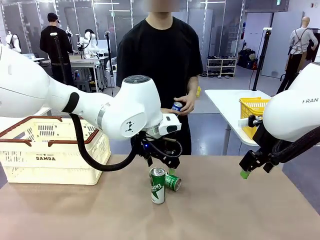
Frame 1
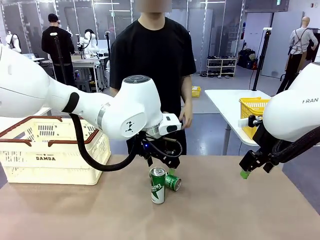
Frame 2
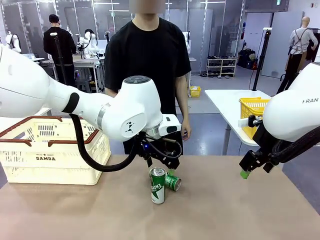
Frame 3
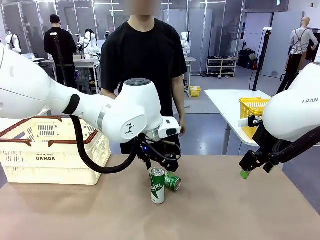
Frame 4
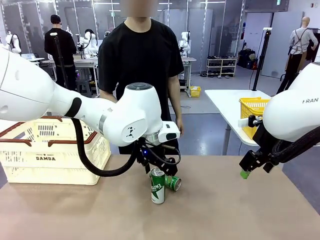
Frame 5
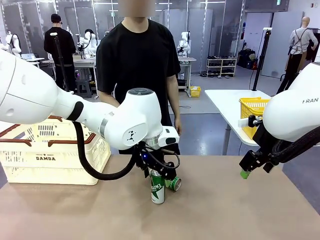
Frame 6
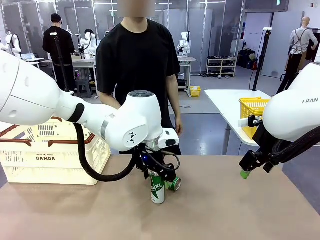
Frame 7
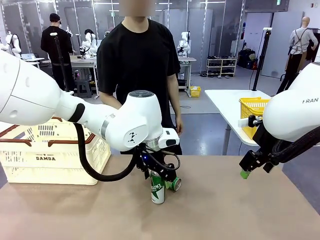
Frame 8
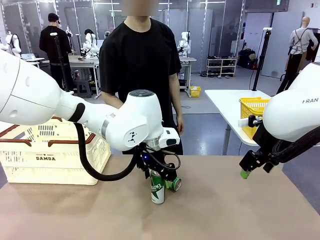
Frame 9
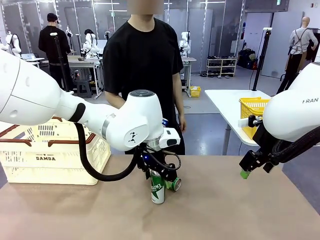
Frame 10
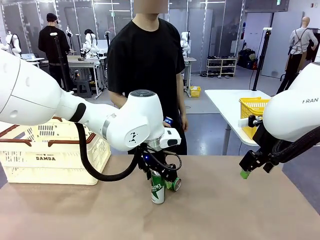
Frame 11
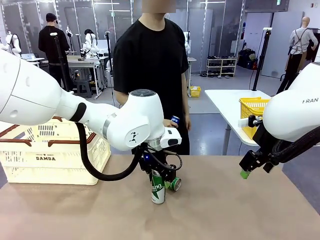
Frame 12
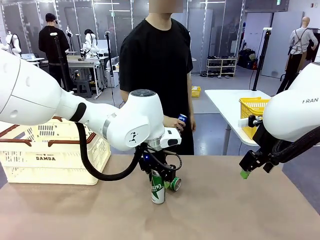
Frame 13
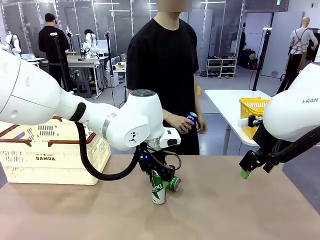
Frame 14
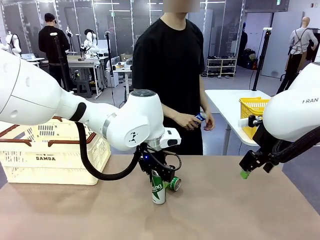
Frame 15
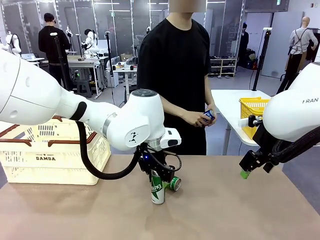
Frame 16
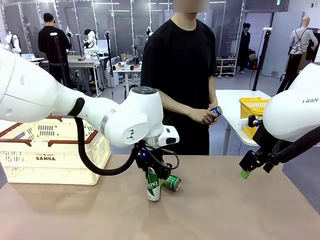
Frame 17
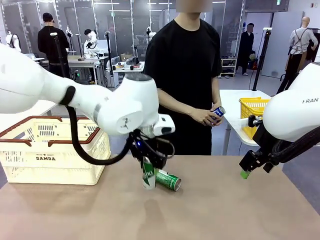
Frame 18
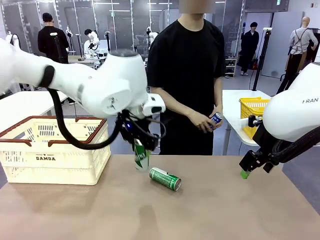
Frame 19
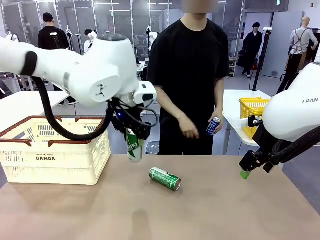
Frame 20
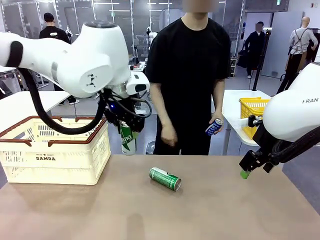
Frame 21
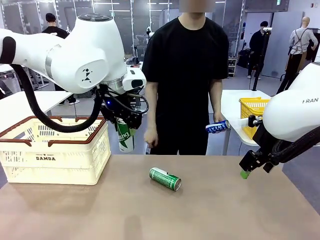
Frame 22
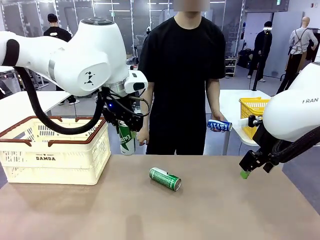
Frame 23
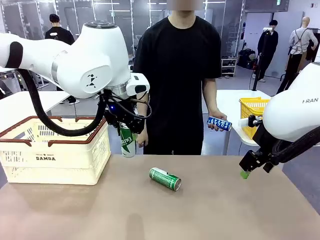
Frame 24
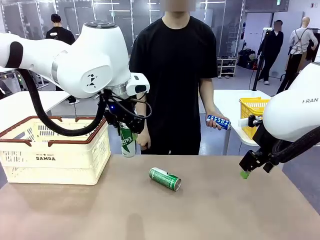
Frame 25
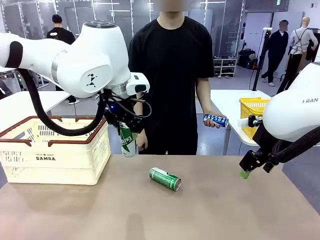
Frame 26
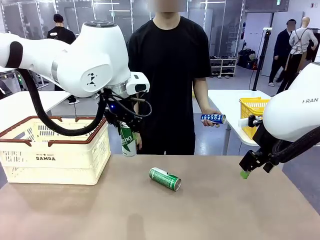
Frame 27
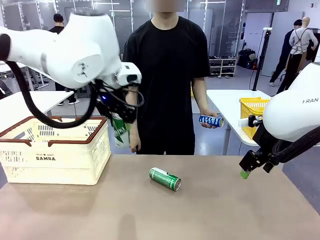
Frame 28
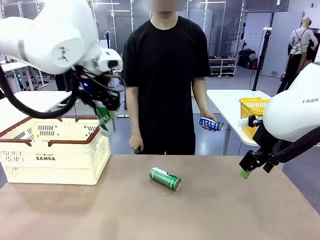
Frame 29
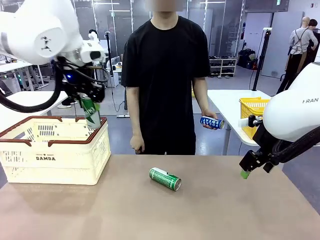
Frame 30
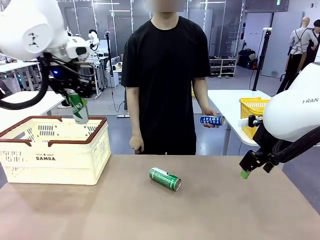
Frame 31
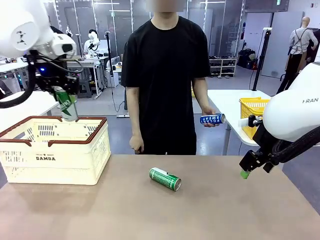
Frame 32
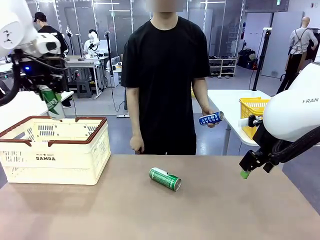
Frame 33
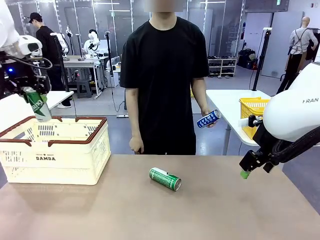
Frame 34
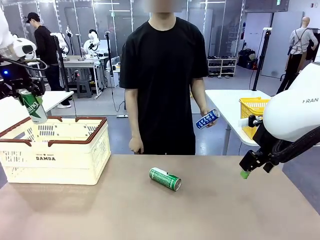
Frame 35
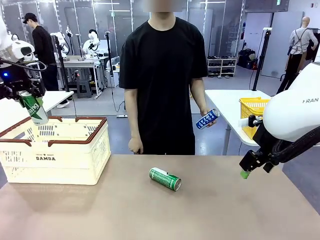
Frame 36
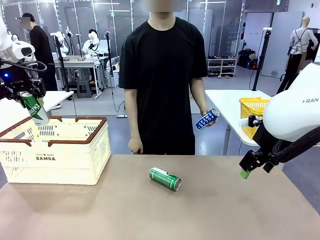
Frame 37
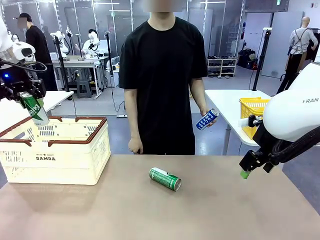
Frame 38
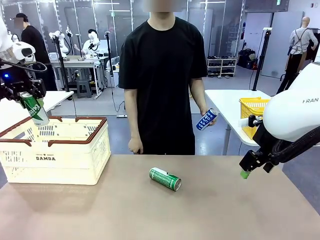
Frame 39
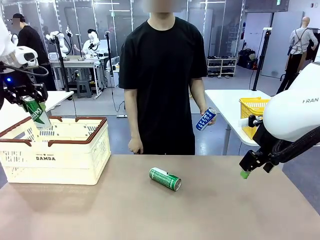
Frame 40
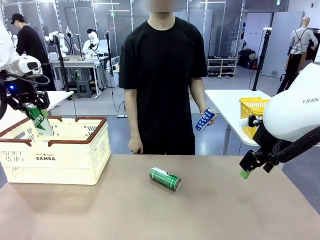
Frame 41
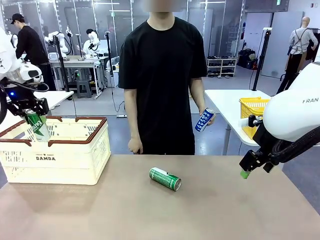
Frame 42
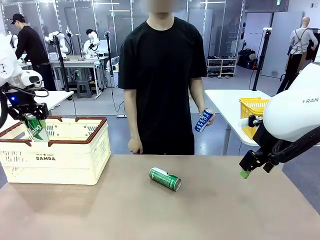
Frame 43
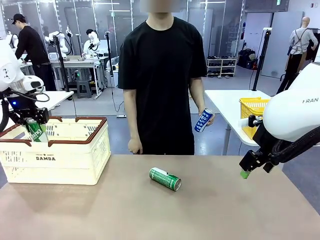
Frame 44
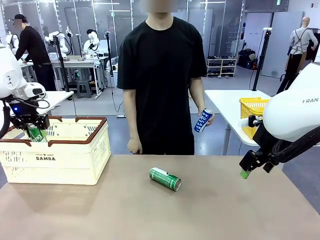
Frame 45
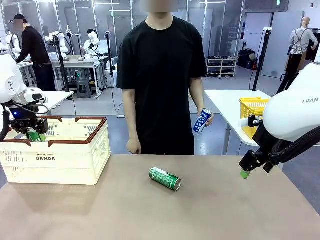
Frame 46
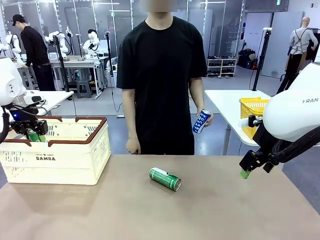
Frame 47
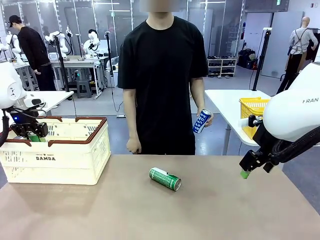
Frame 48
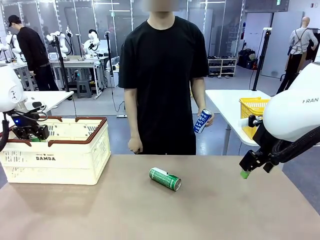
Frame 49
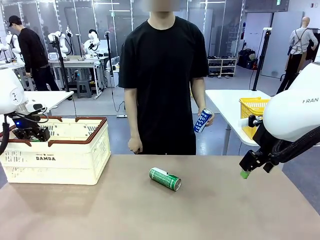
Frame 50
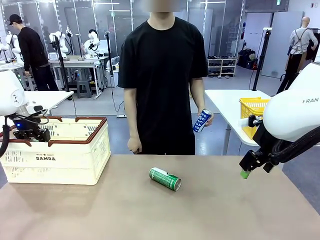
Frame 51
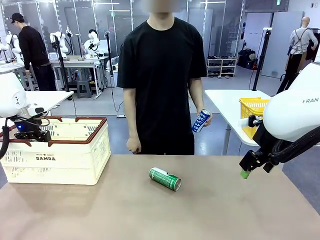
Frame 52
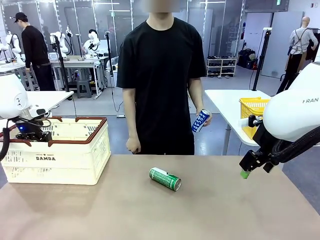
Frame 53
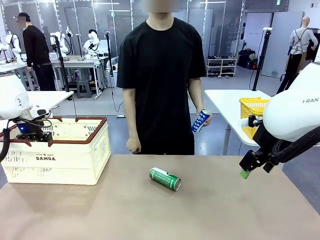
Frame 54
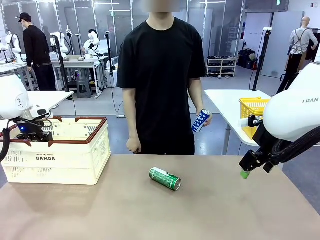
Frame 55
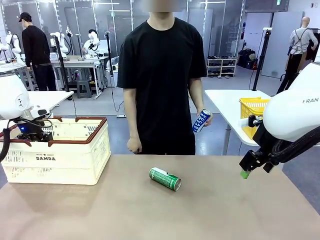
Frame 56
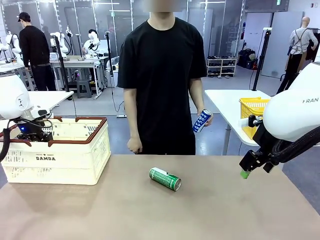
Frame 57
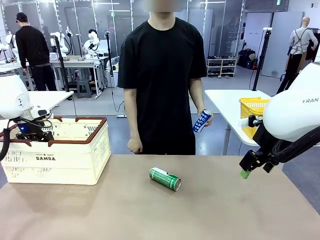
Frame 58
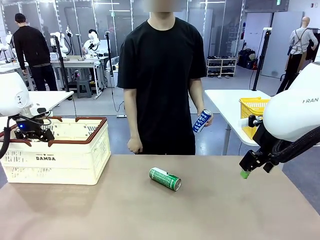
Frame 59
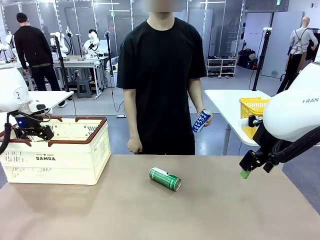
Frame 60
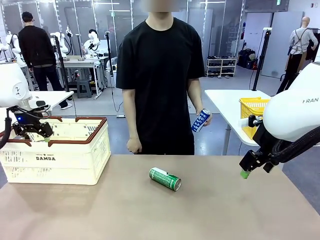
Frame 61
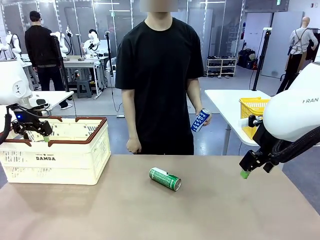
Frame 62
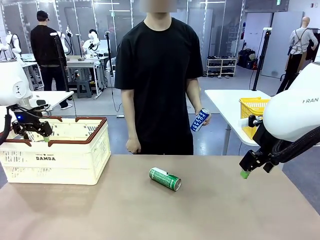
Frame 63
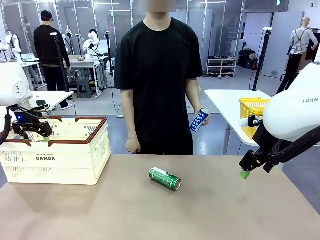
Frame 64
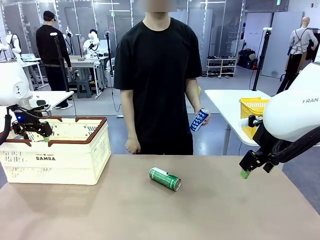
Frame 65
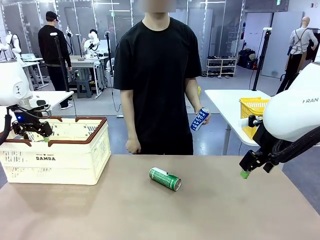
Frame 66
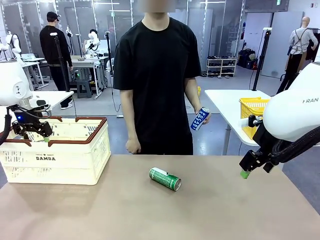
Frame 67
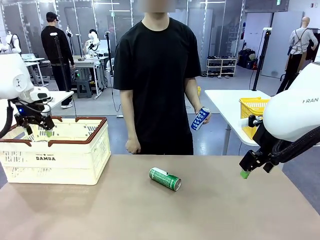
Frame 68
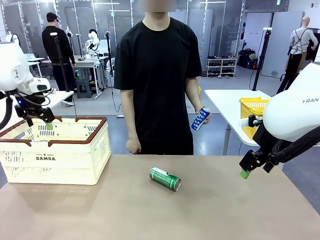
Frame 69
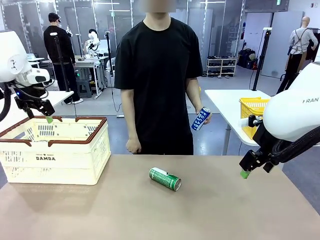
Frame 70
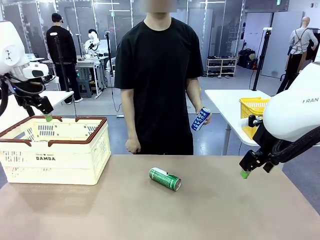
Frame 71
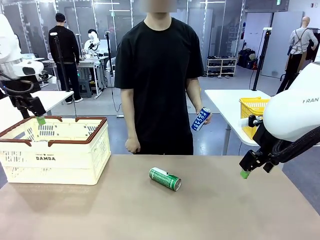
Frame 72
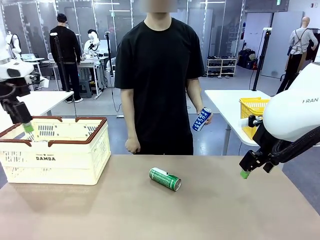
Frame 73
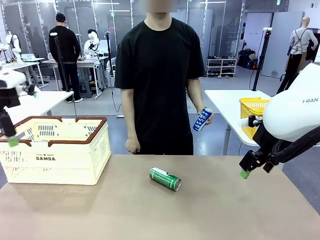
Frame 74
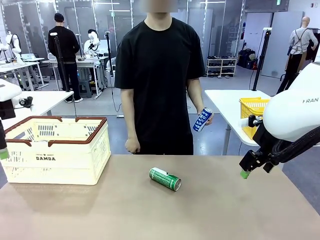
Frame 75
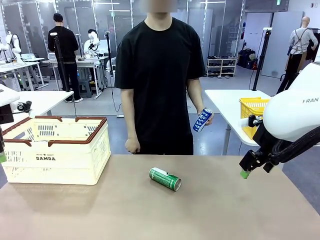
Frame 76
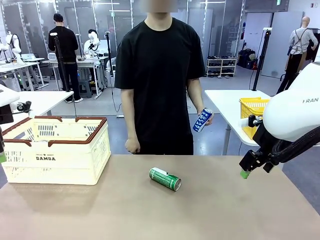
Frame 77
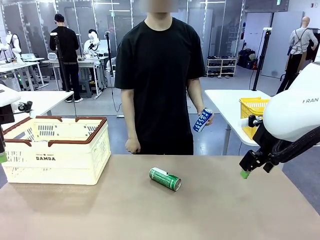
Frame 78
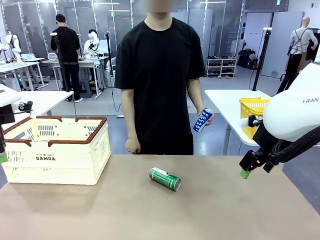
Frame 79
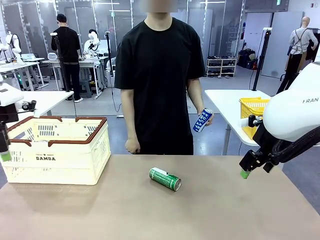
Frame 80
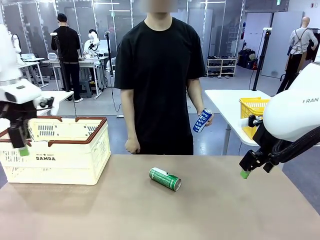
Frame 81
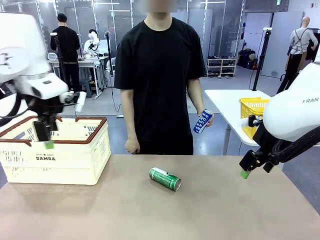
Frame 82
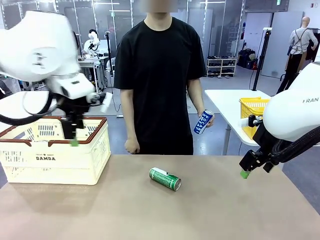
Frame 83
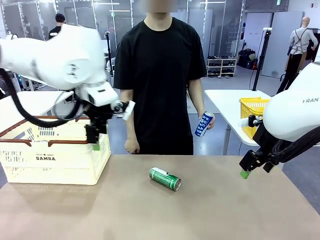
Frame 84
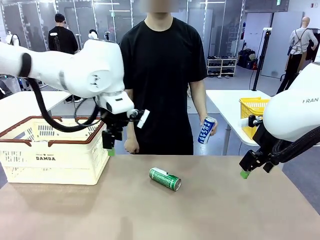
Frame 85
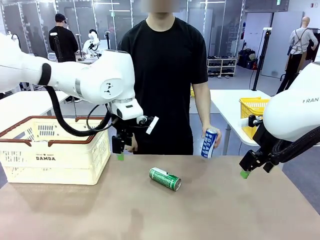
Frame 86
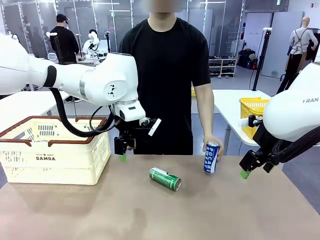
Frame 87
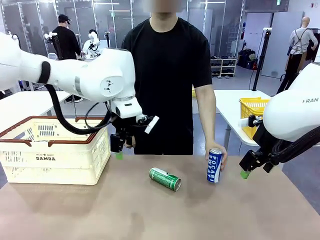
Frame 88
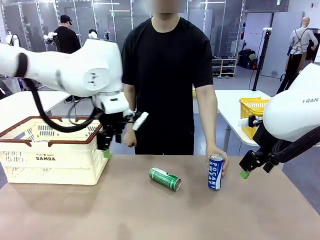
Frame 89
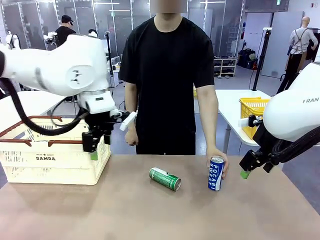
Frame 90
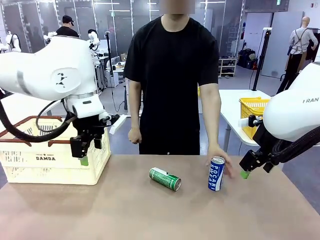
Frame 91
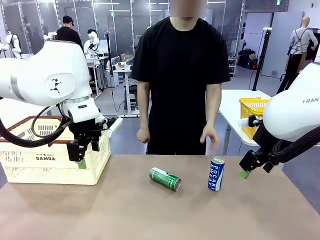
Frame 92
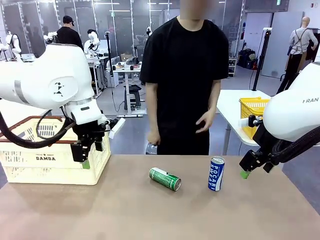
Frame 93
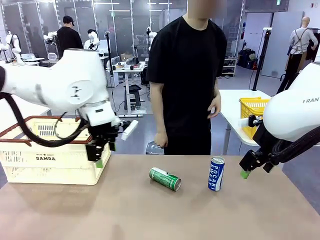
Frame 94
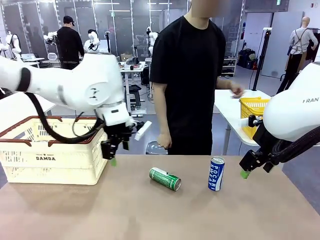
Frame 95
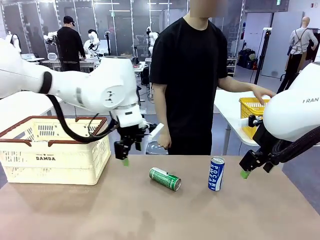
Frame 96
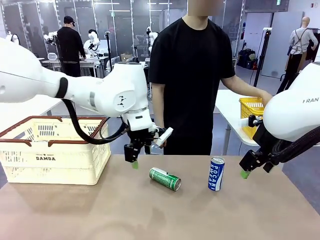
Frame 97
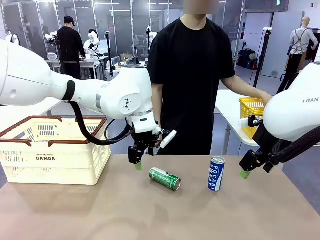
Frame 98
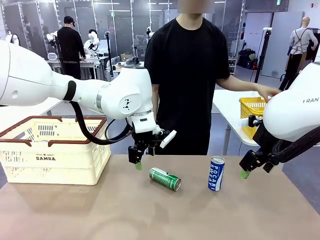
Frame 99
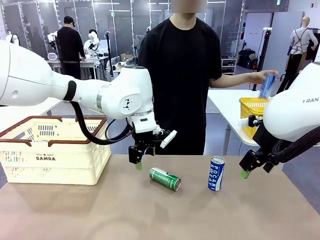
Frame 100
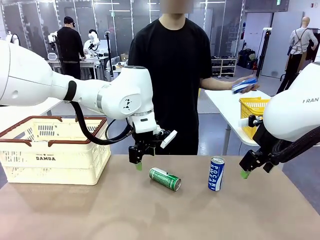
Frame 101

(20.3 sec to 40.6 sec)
Task: Place the drinks into the Shopping basket.
Robot: Pick up one drink and place it into the Shopping basket.
